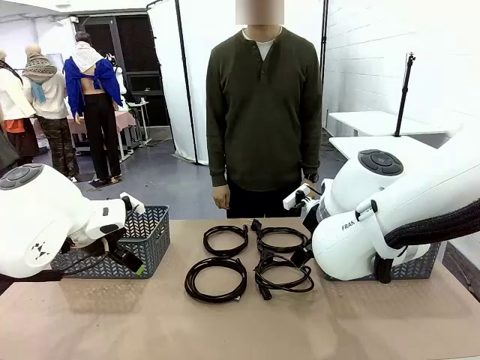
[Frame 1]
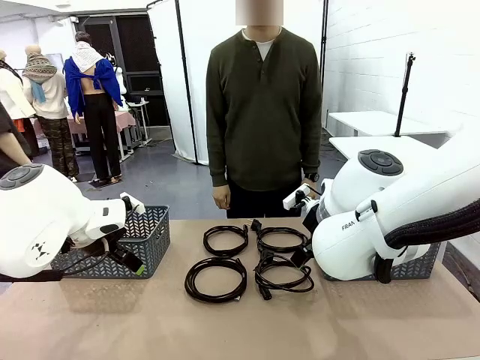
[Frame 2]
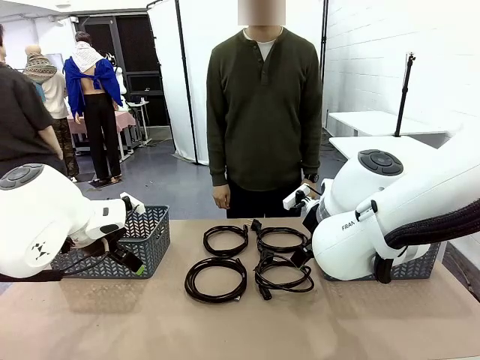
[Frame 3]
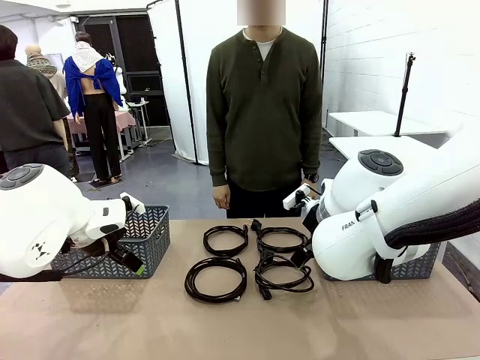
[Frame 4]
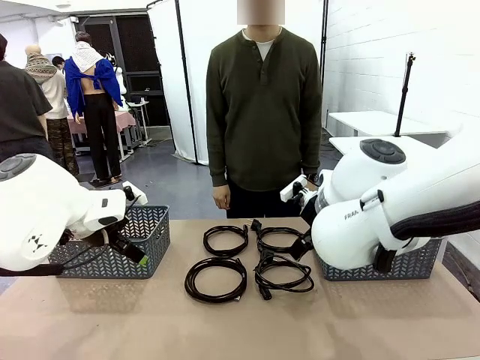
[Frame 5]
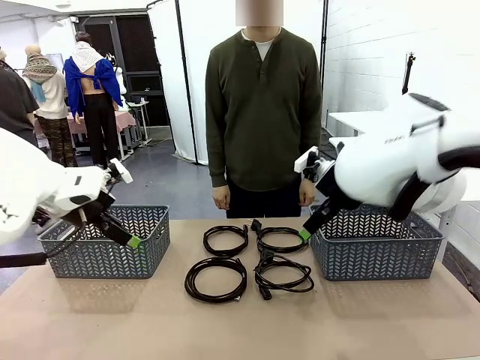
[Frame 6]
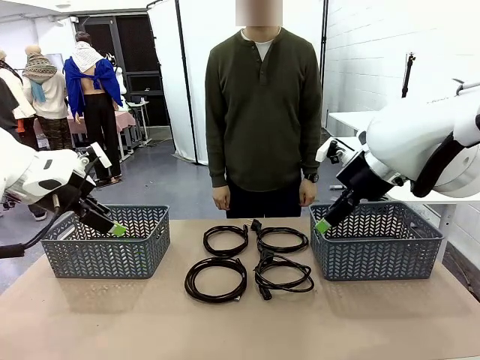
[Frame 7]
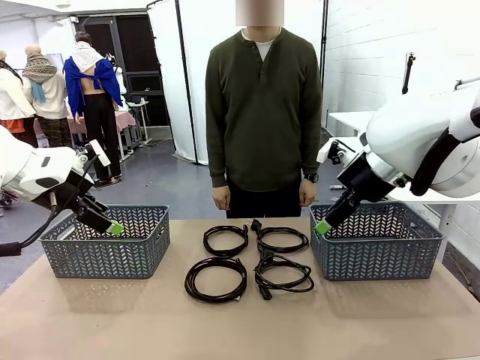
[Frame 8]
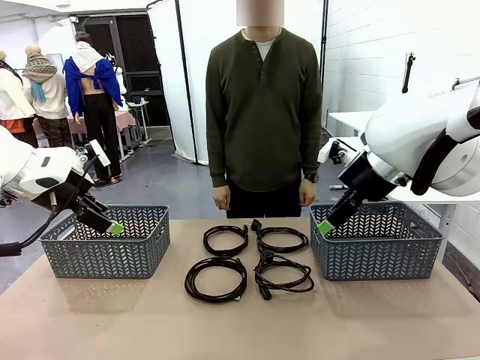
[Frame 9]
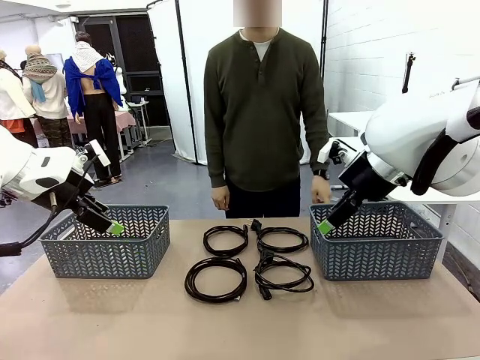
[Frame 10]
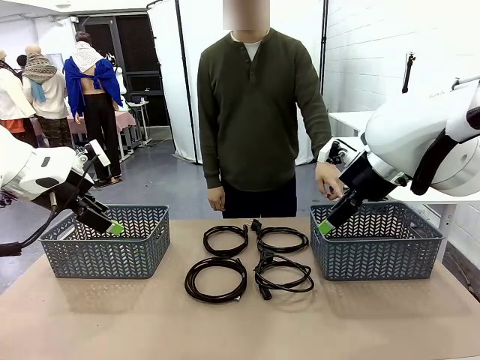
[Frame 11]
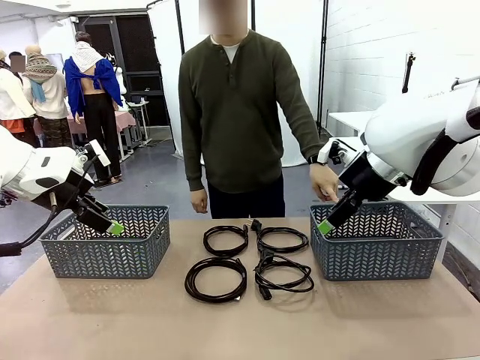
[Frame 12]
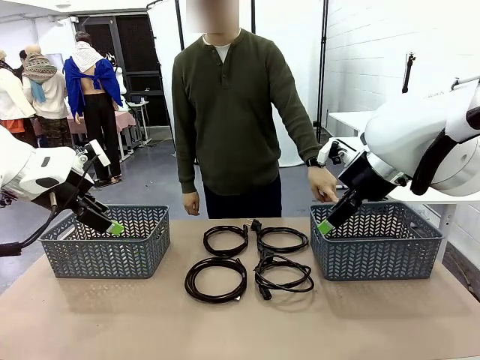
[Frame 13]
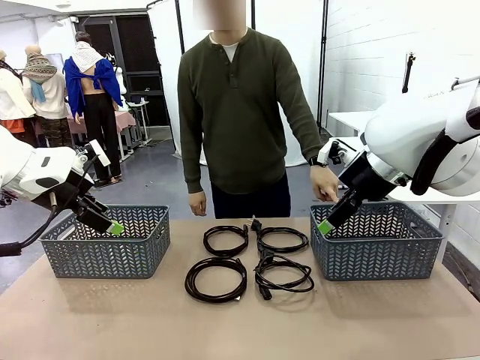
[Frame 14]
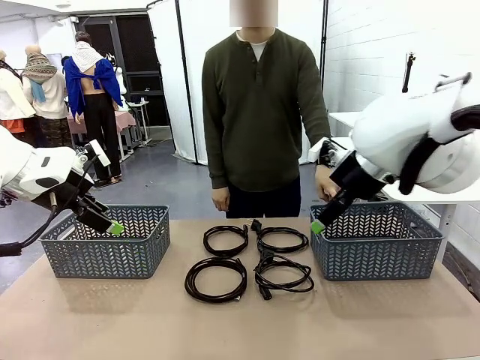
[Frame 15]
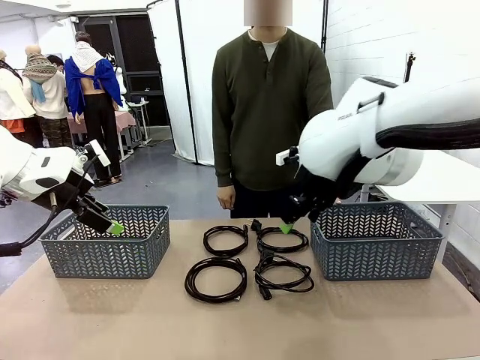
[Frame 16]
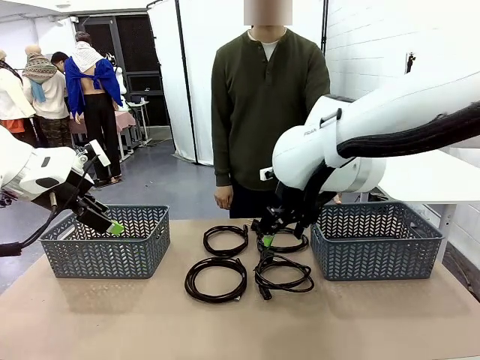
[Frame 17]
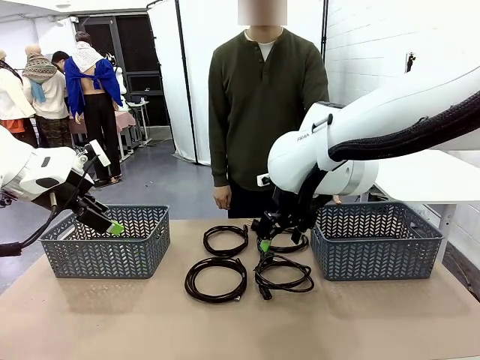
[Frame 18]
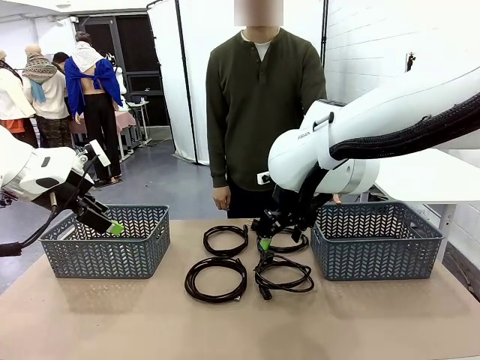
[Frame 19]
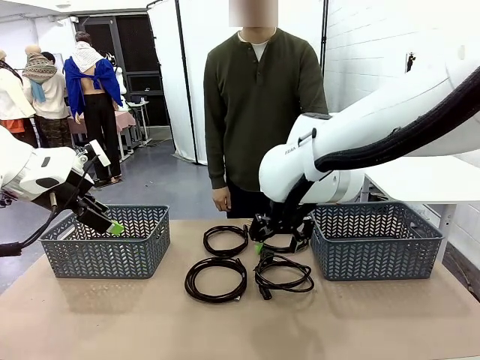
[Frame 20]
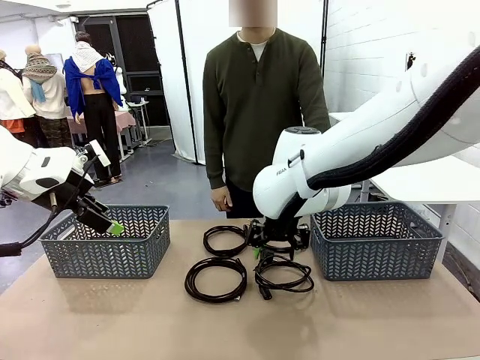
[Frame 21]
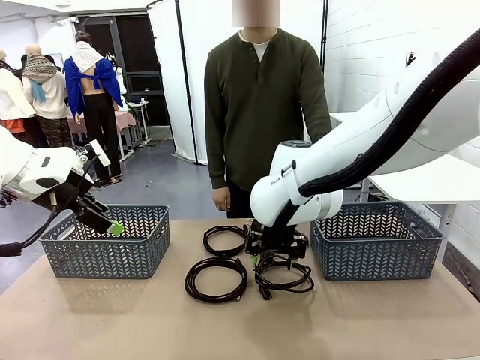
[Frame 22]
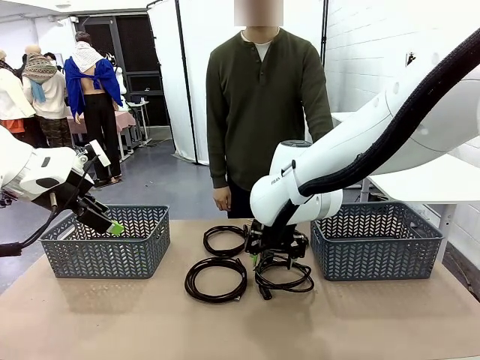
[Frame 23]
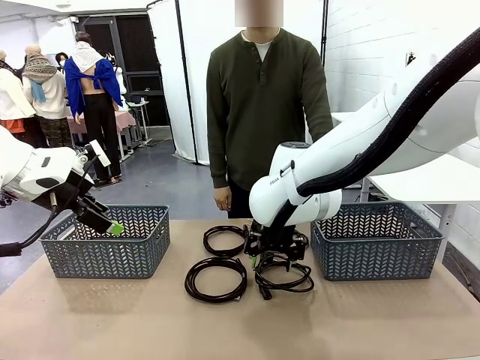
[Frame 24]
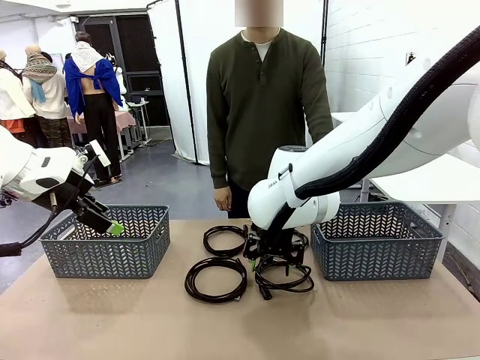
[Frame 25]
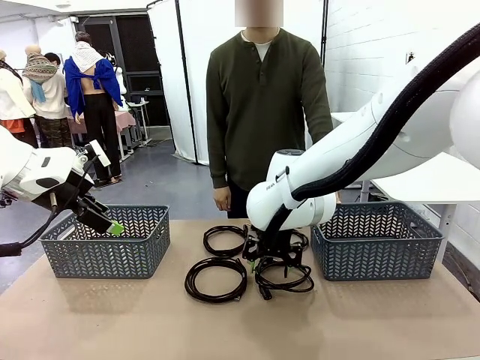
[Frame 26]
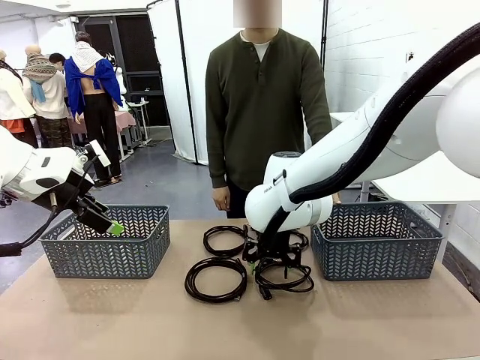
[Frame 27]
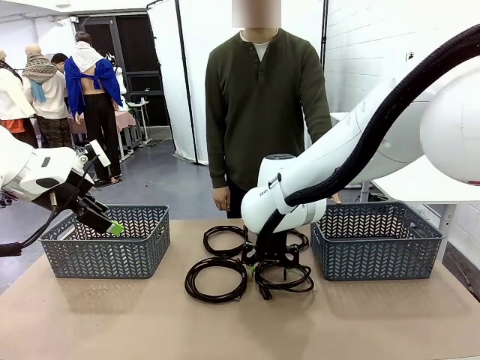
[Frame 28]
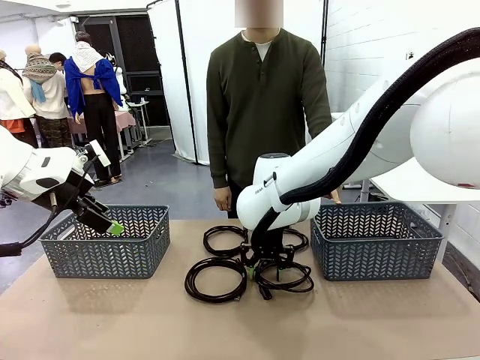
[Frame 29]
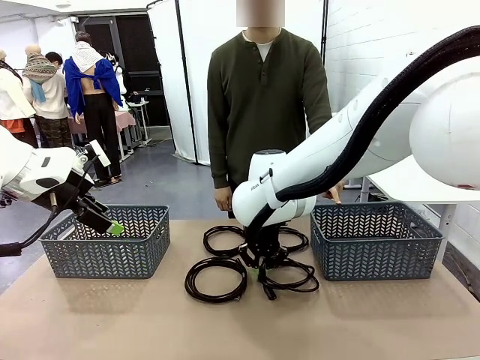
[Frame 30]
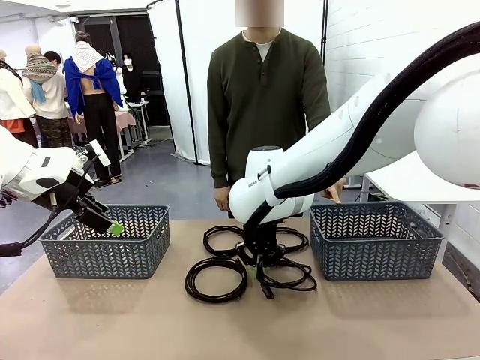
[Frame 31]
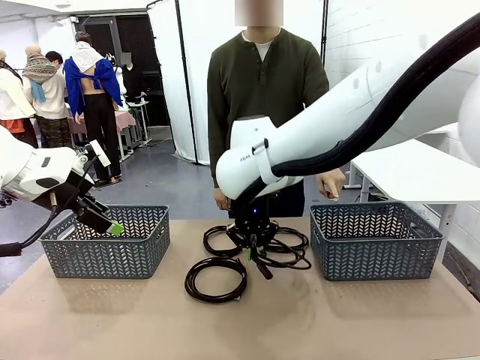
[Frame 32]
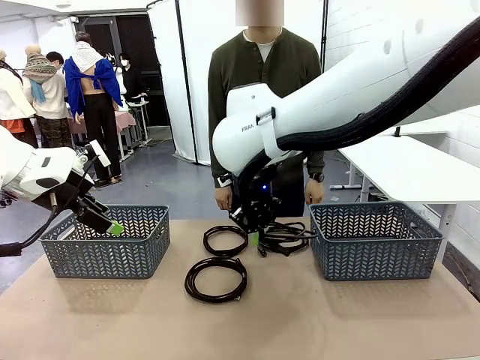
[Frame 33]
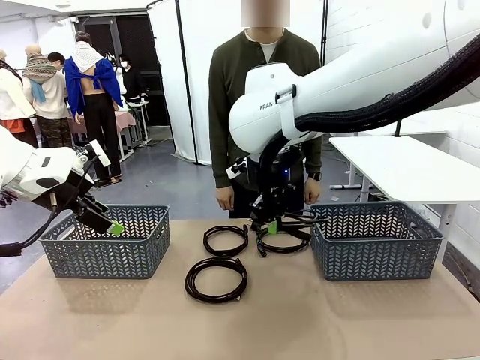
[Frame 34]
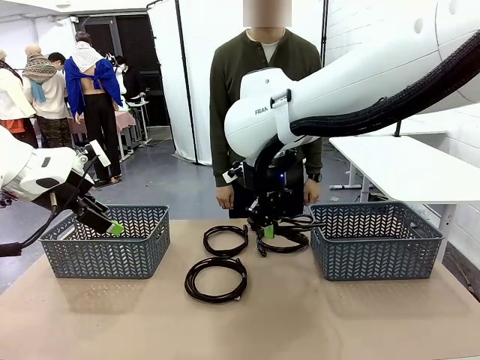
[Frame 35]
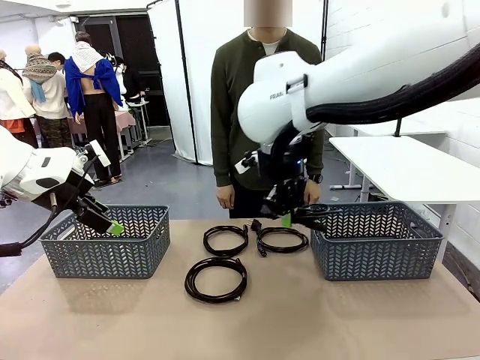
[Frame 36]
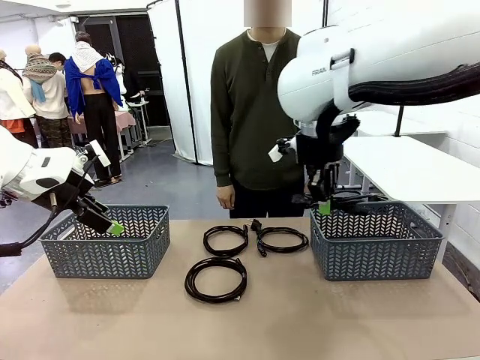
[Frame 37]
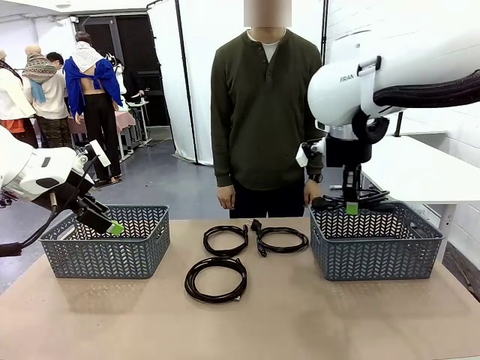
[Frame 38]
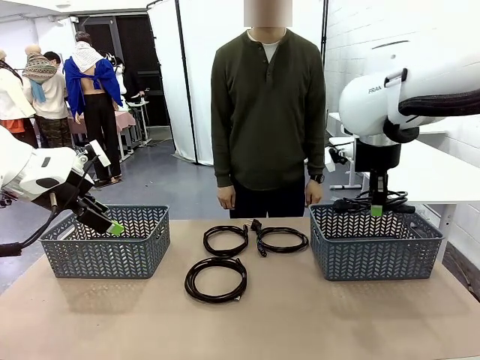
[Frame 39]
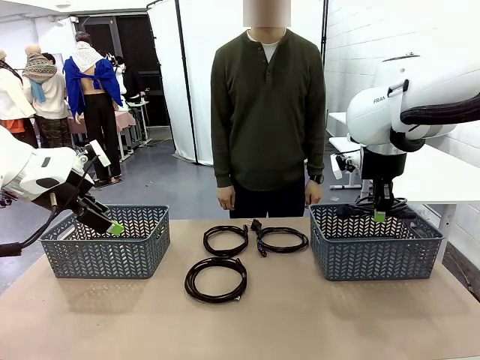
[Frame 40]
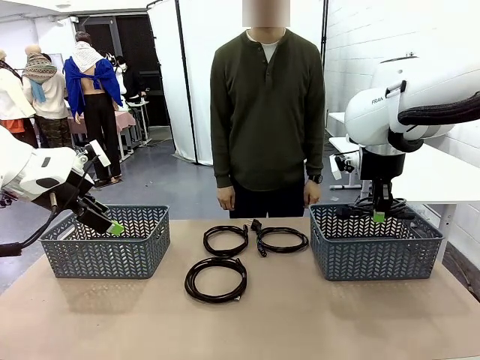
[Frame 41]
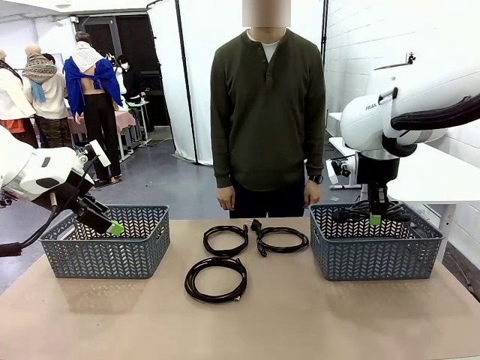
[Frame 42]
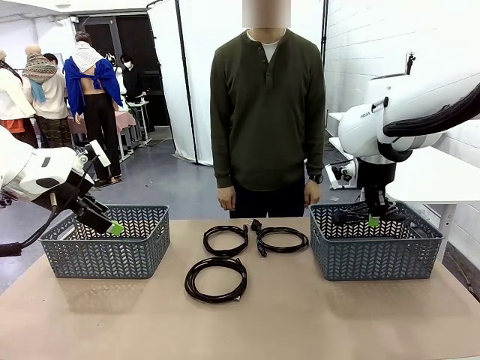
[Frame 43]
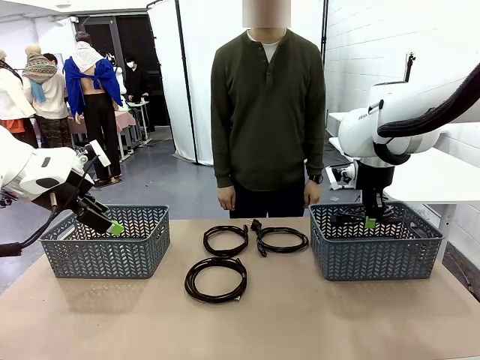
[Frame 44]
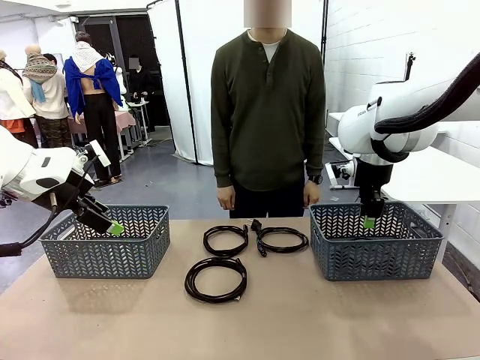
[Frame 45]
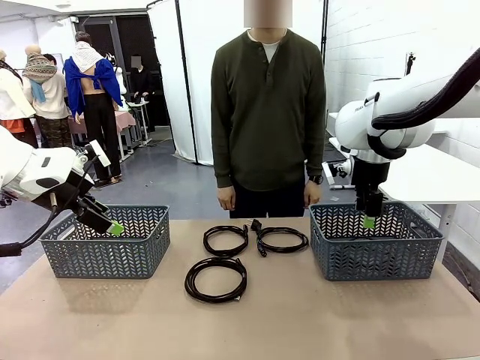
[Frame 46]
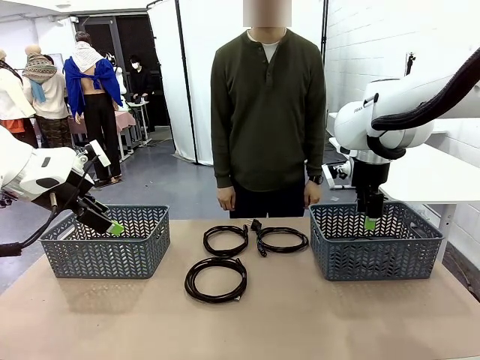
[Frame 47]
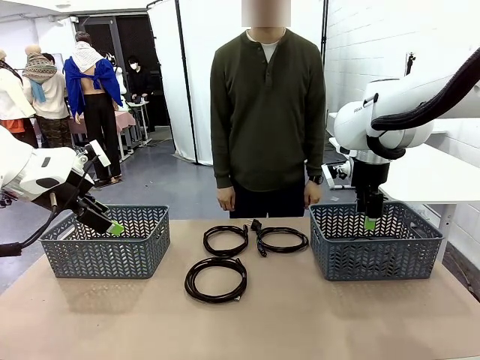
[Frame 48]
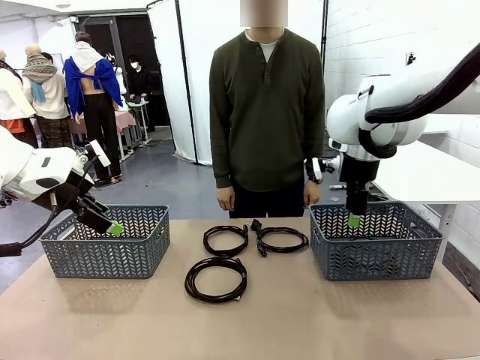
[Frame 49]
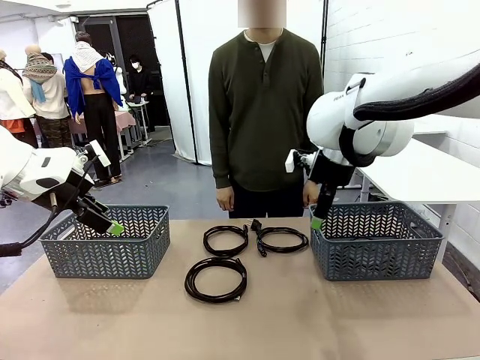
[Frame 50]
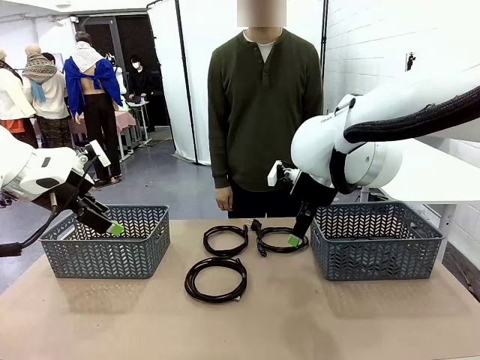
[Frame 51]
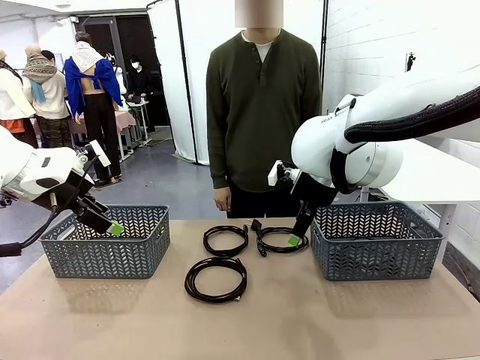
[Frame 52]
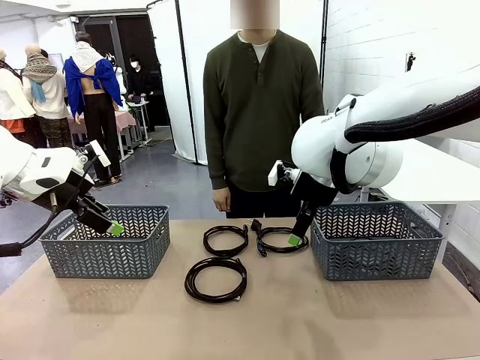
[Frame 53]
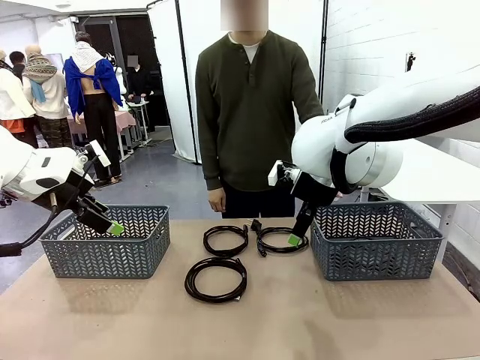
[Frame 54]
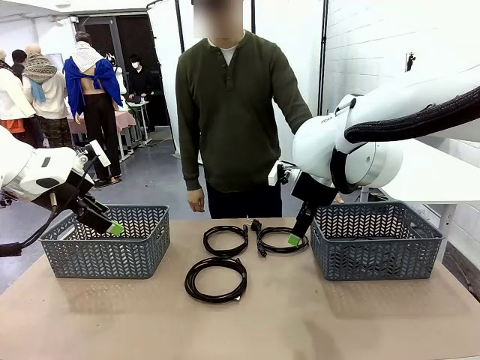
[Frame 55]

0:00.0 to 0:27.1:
Task: Organize the cables according to human instructions.
Robot: Pick up a bundle of cables and place it in the basket indicated by the human.
